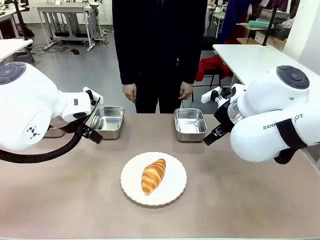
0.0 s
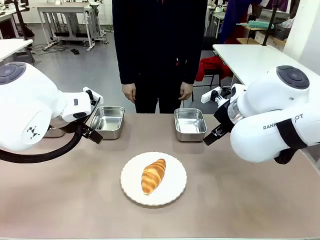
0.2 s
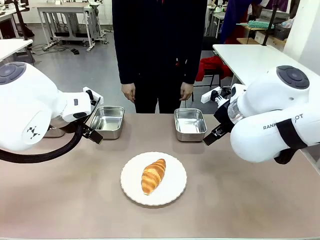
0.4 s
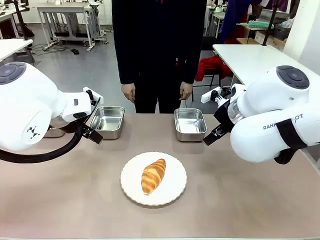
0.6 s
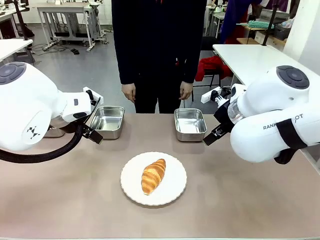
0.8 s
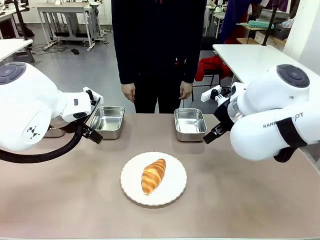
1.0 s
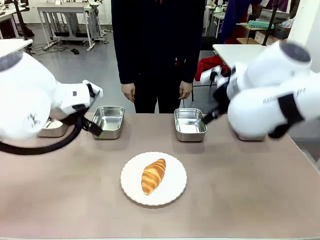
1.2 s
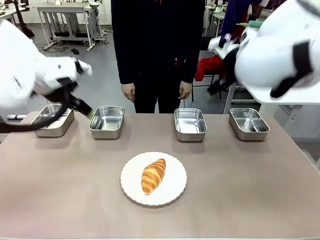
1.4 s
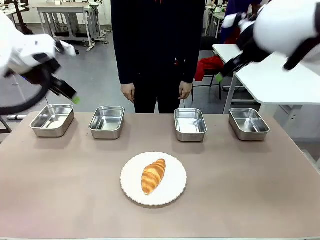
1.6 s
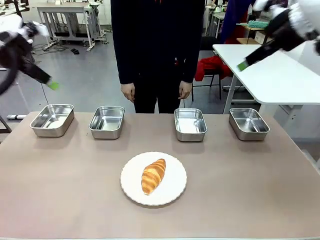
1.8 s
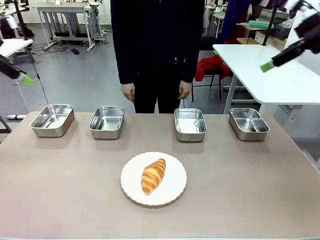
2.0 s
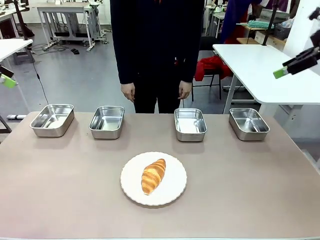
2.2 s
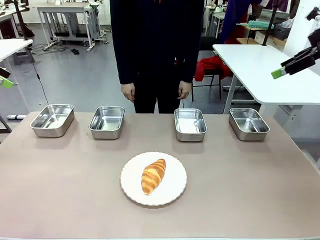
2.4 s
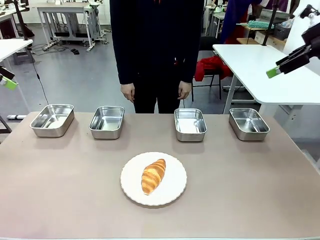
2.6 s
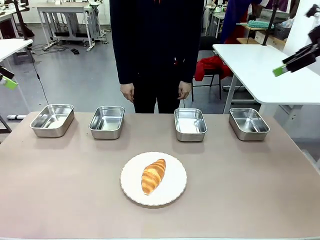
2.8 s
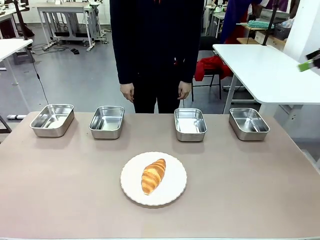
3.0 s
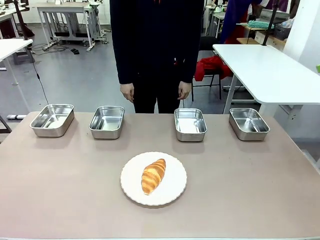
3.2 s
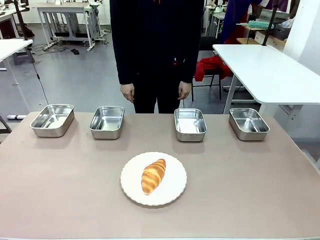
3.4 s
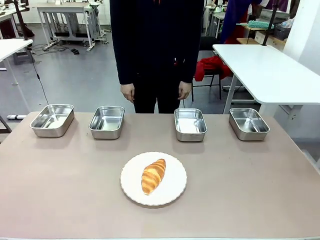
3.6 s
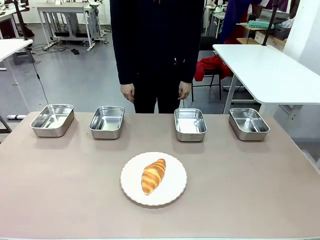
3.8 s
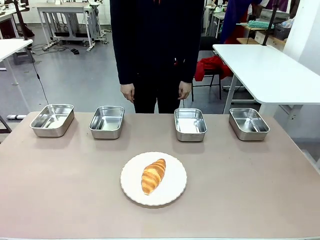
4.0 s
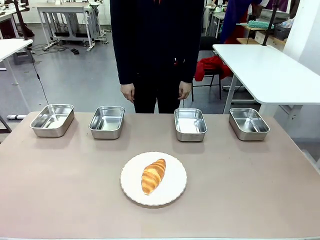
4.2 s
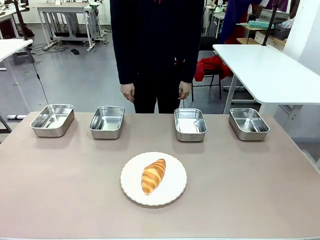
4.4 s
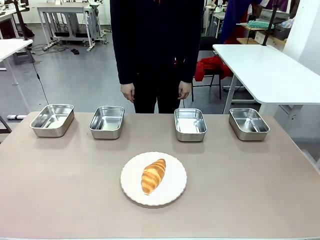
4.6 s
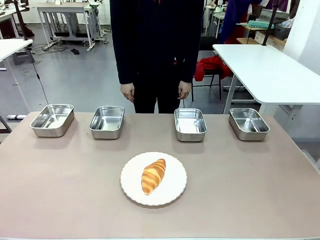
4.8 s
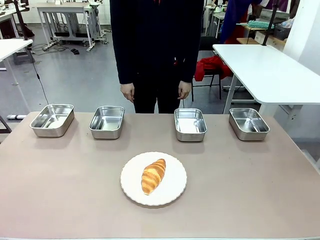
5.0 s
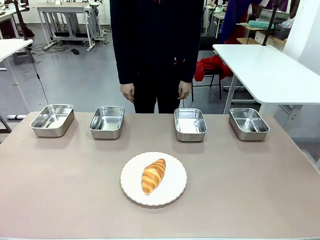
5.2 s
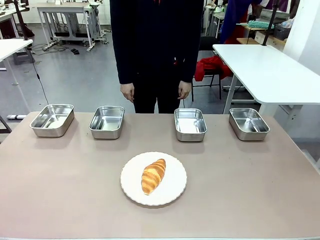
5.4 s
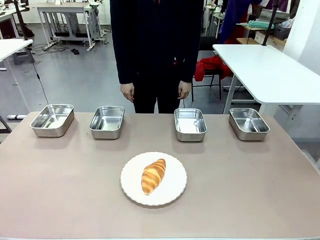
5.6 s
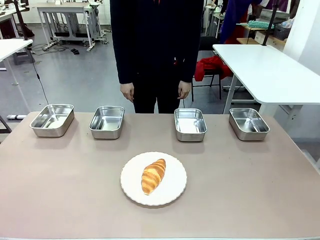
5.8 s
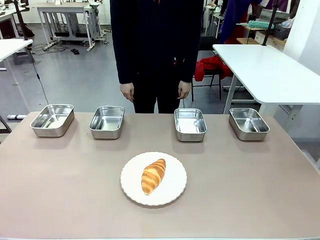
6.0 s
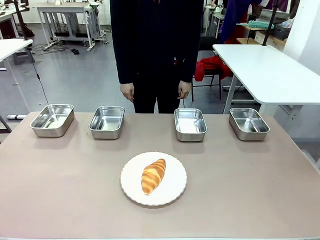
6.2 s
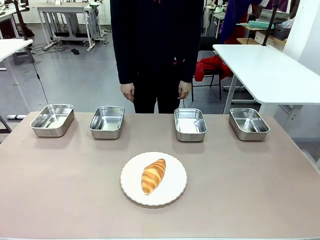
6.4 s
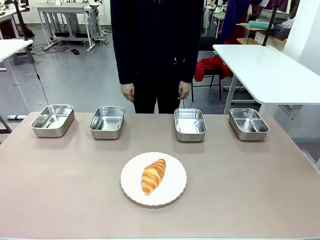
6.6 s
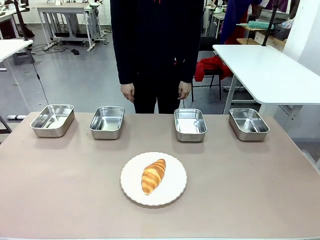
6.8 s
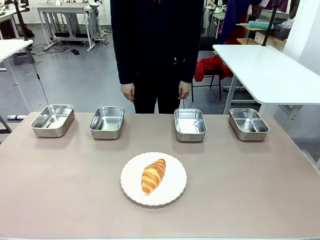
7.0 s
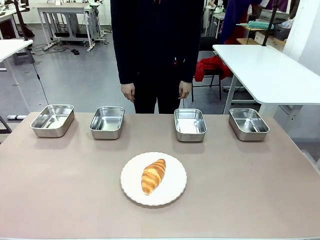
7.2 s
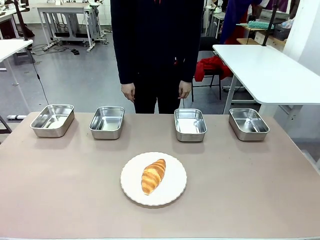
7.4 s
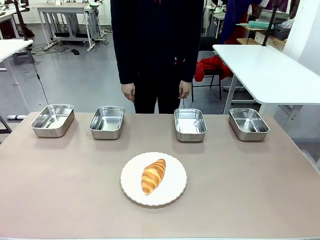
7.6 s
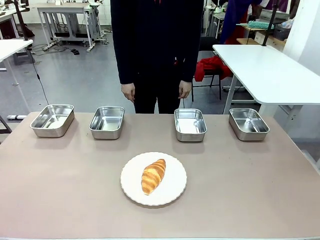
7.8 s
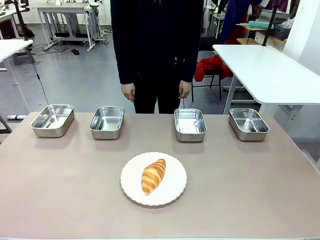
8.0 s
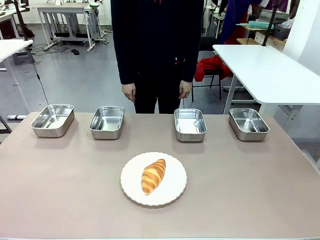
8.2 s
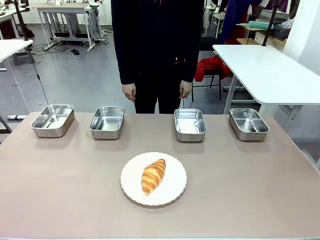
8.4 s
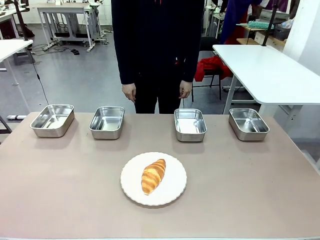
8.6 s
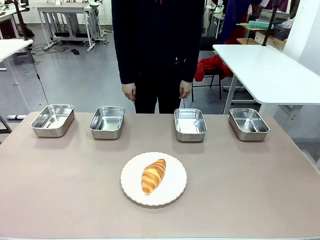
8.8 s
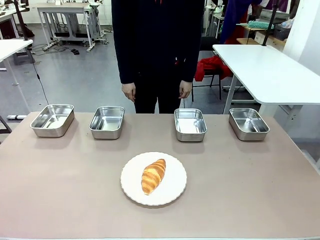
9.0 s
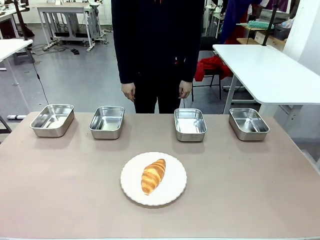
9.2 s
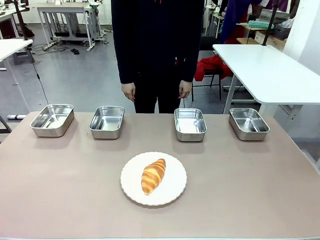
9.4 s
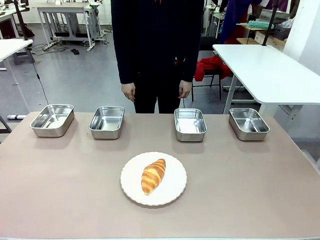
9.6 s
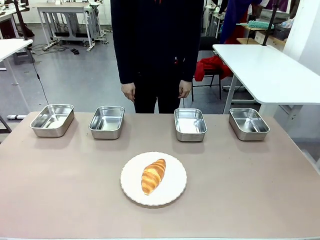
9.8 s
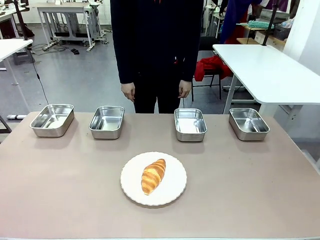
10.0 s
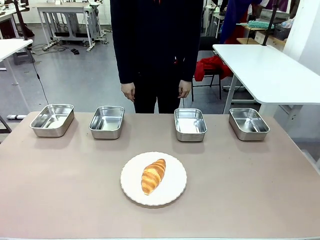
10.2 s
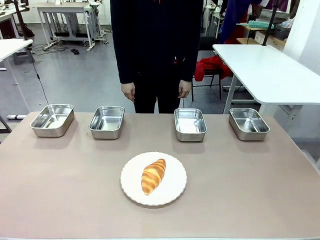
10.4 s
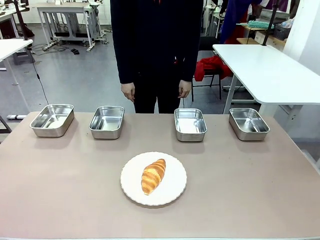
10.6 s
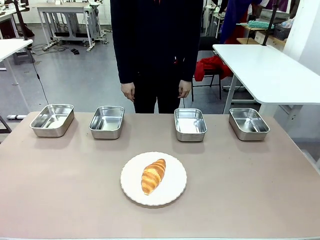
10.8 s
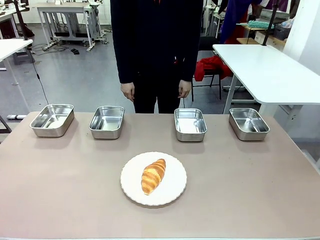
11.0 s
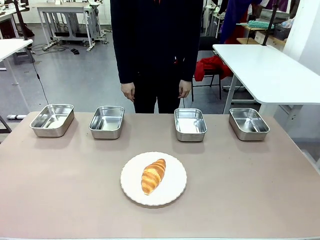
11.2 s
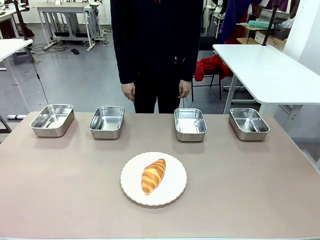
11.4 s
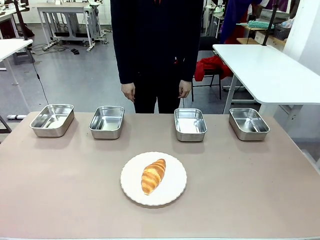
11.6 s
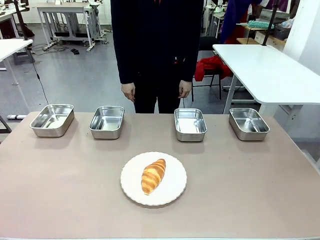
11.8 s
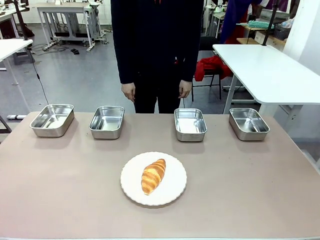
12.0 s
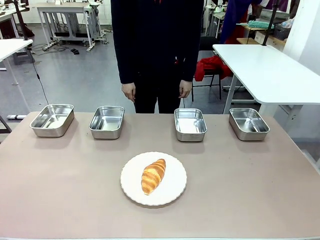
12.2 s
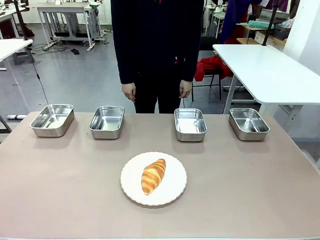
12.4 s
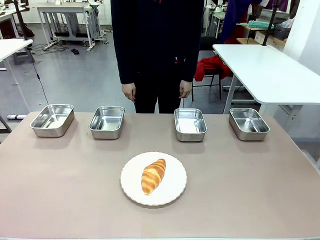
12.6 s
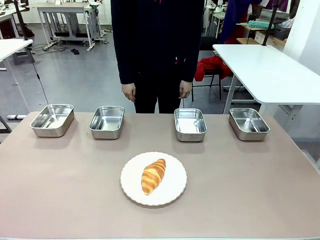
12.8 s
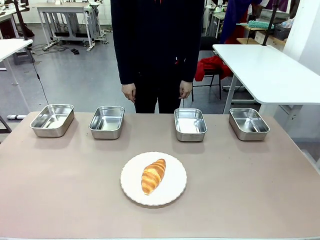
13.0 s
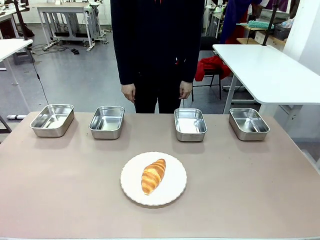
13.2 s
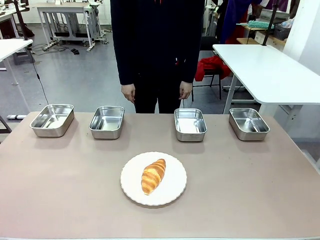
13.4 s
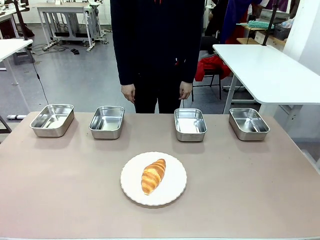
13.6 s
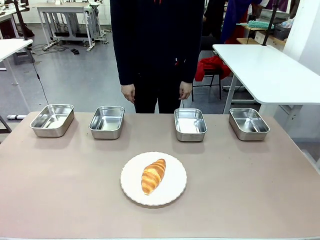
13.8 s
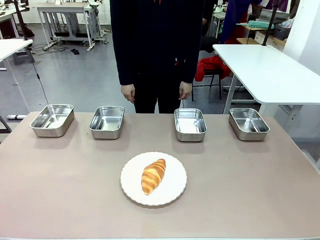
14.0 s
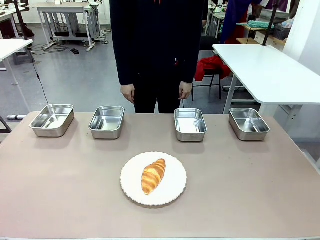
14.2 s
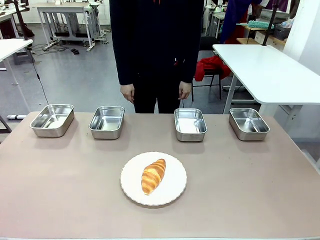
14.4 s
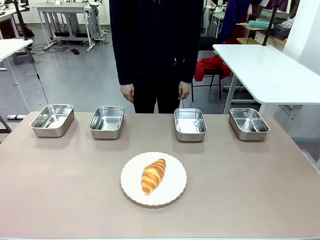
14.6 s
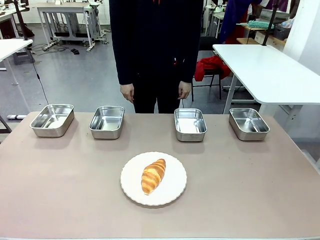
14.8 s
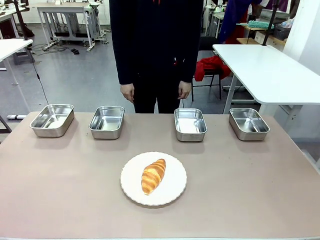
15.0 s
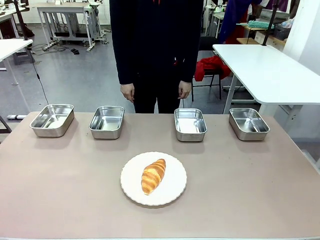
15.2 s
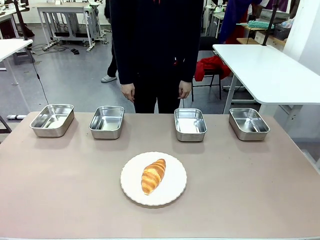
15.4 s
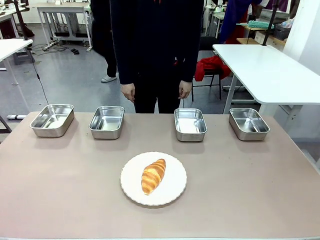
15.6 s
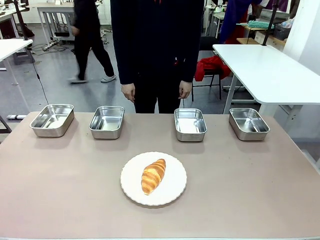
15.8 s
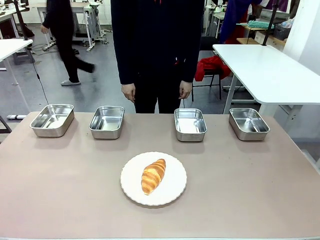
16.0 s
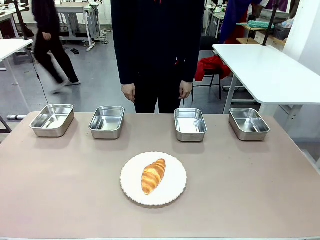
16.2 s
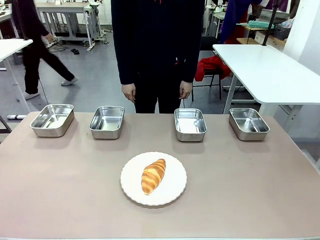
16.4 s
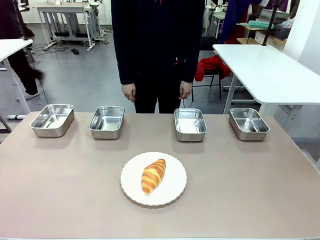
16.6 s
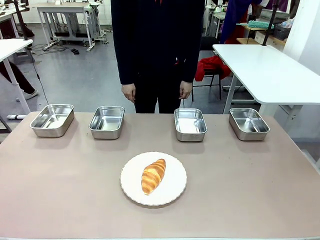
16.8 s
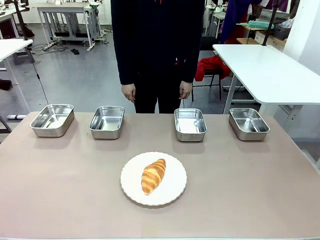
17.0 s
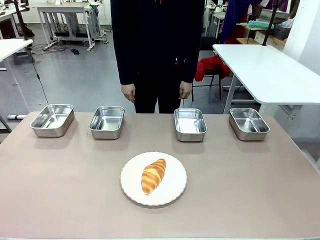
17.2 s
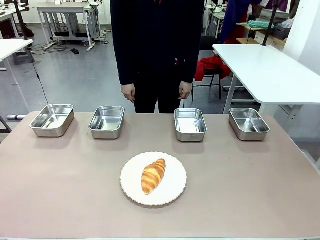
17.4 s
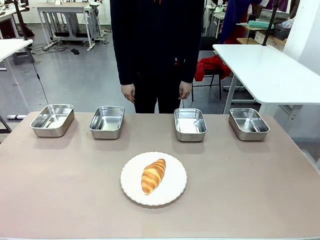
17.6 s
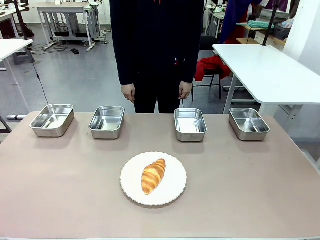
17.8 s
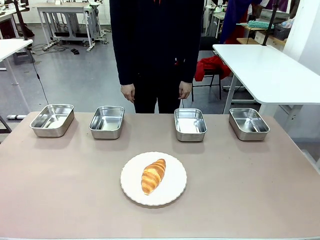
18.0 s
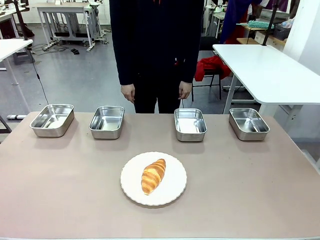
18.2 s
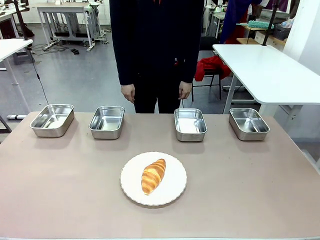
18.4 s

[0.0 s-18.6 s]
Task: Place the bread in the container.
Robot: Place the Butter Roll into the Airtight Container indicated by the human.
